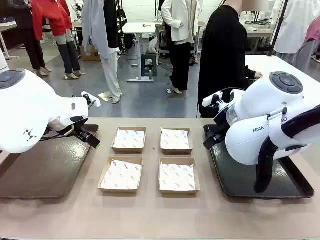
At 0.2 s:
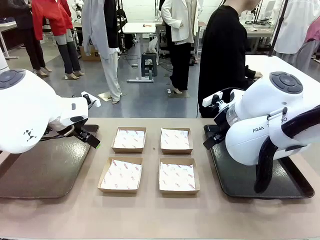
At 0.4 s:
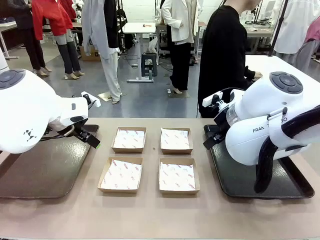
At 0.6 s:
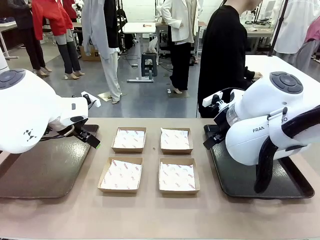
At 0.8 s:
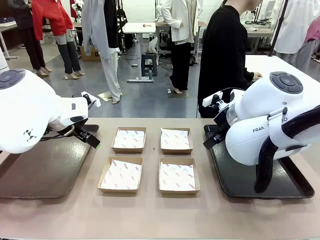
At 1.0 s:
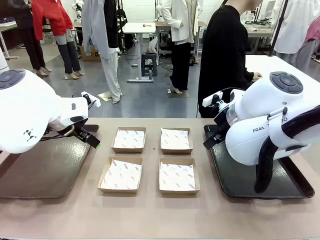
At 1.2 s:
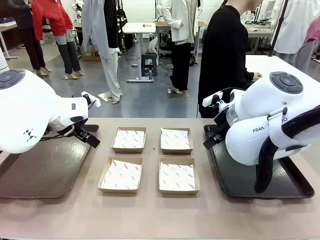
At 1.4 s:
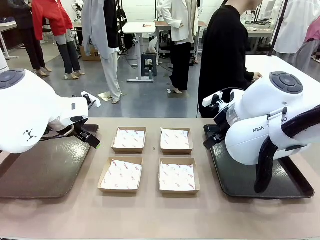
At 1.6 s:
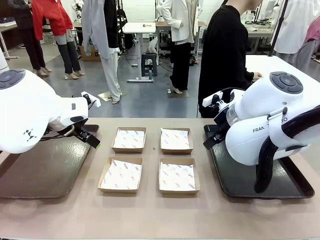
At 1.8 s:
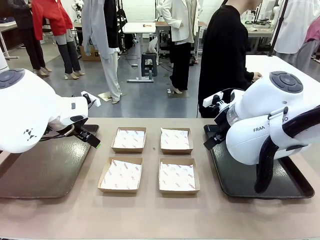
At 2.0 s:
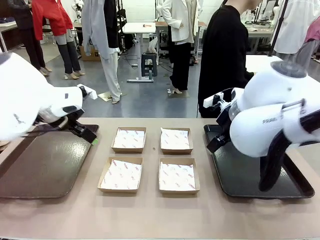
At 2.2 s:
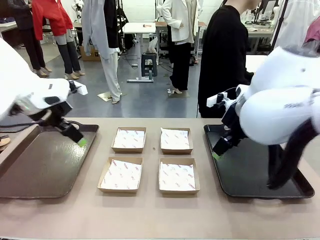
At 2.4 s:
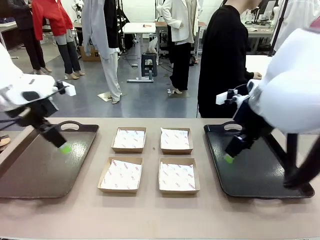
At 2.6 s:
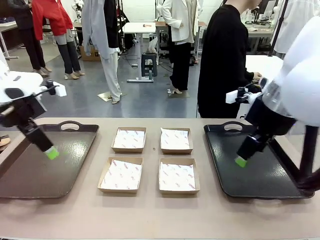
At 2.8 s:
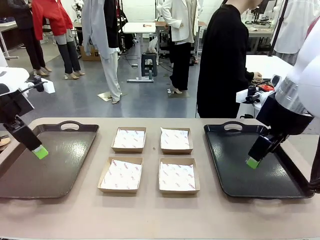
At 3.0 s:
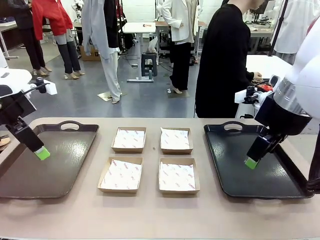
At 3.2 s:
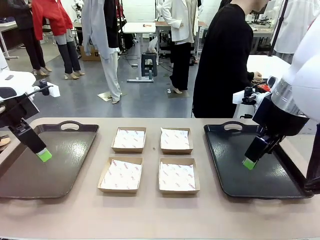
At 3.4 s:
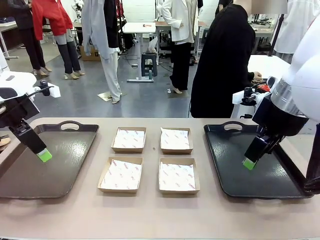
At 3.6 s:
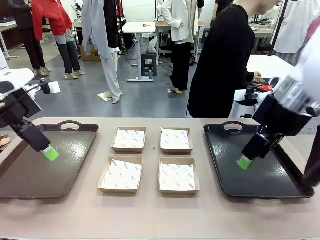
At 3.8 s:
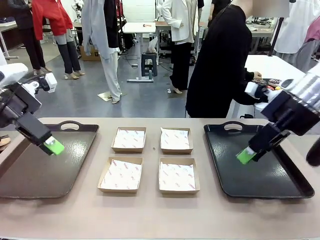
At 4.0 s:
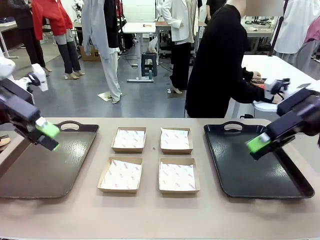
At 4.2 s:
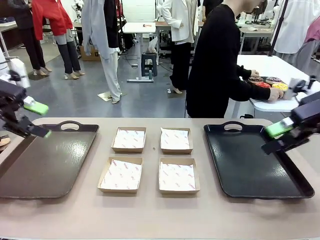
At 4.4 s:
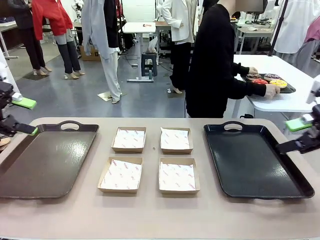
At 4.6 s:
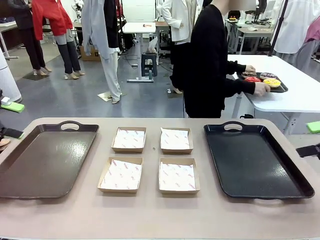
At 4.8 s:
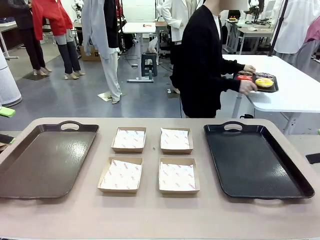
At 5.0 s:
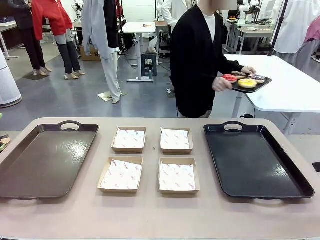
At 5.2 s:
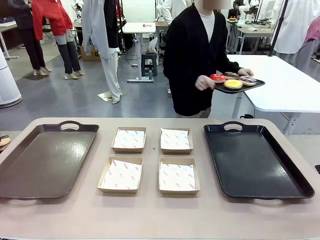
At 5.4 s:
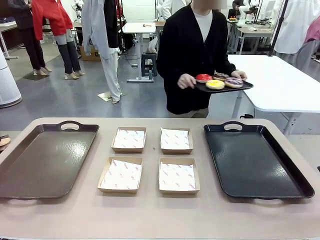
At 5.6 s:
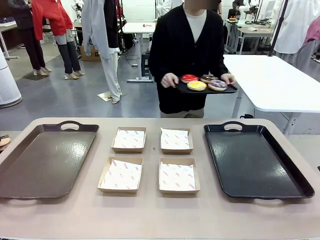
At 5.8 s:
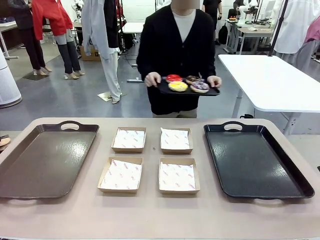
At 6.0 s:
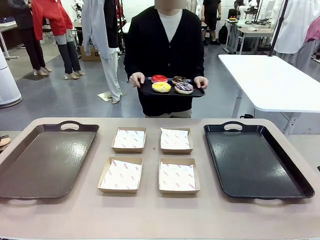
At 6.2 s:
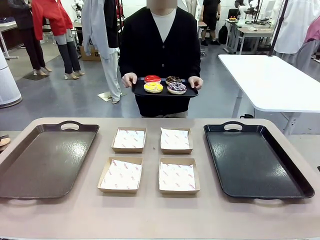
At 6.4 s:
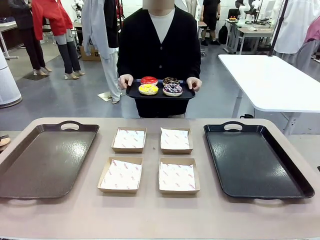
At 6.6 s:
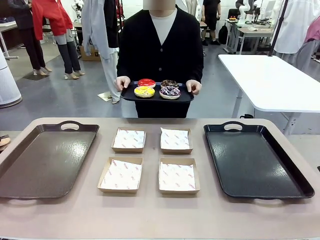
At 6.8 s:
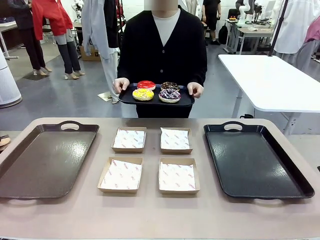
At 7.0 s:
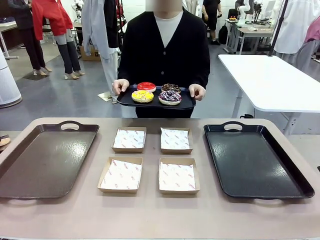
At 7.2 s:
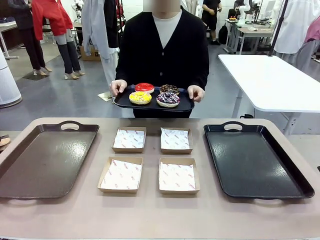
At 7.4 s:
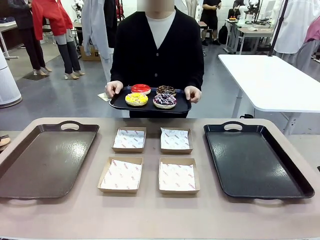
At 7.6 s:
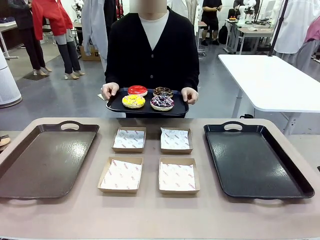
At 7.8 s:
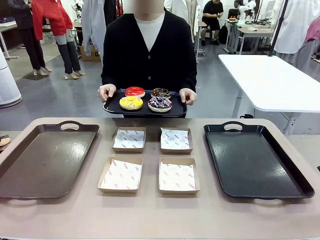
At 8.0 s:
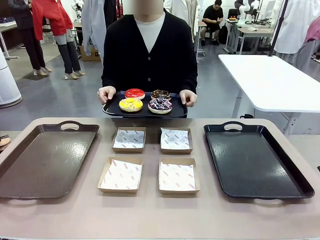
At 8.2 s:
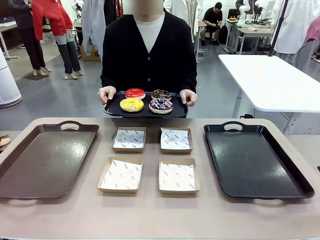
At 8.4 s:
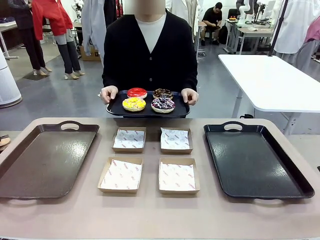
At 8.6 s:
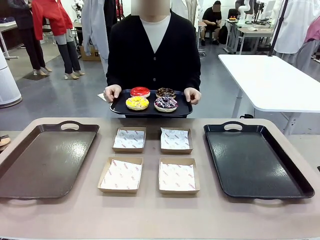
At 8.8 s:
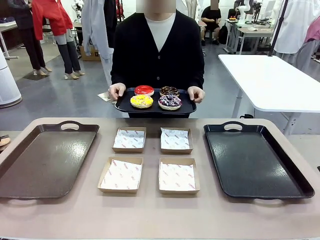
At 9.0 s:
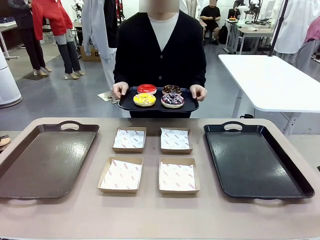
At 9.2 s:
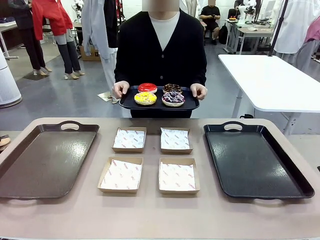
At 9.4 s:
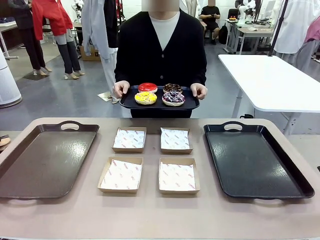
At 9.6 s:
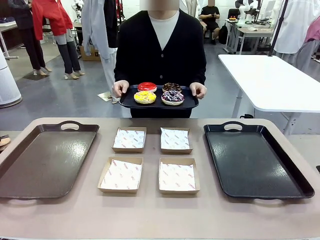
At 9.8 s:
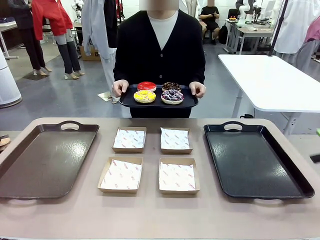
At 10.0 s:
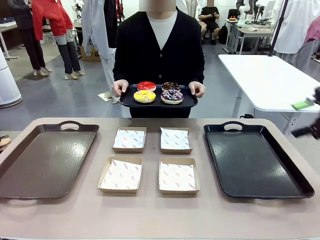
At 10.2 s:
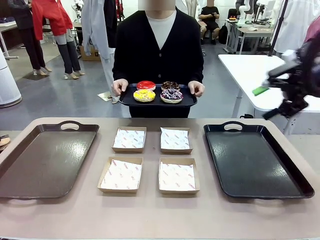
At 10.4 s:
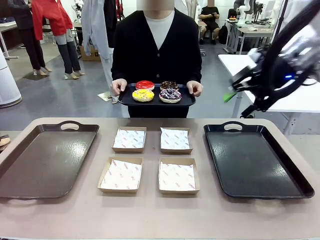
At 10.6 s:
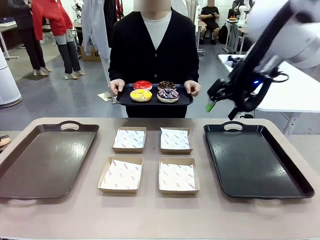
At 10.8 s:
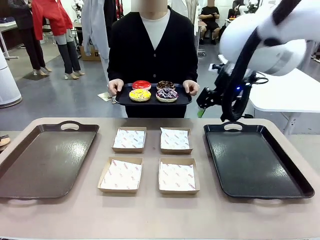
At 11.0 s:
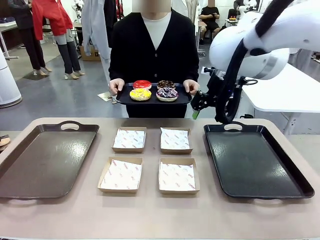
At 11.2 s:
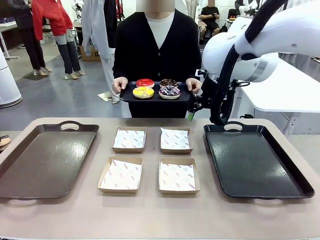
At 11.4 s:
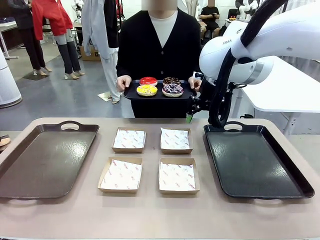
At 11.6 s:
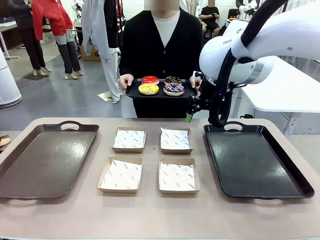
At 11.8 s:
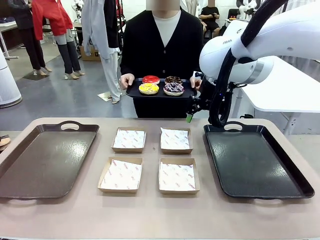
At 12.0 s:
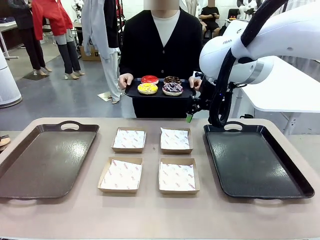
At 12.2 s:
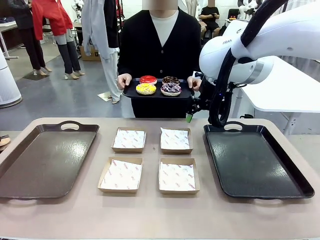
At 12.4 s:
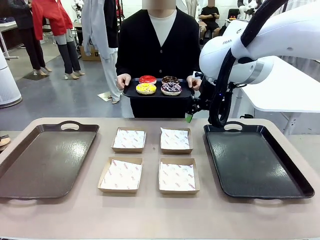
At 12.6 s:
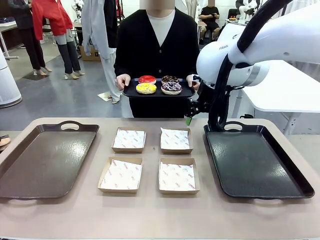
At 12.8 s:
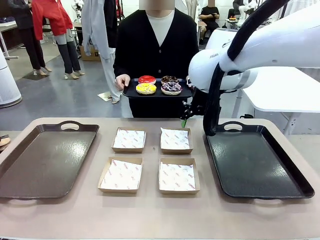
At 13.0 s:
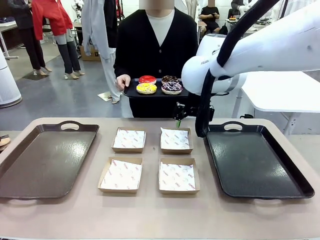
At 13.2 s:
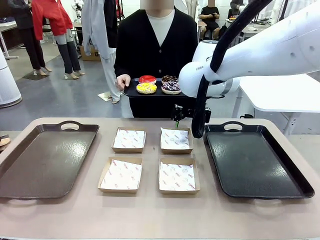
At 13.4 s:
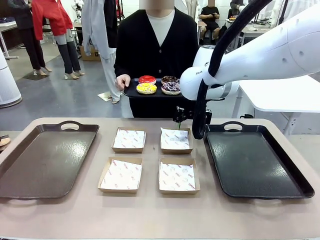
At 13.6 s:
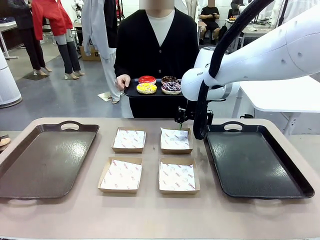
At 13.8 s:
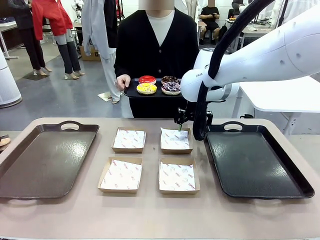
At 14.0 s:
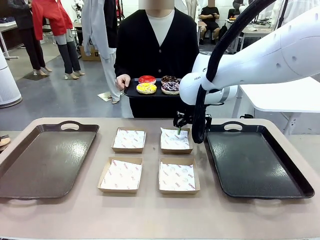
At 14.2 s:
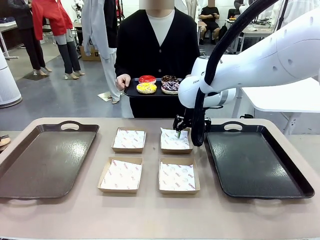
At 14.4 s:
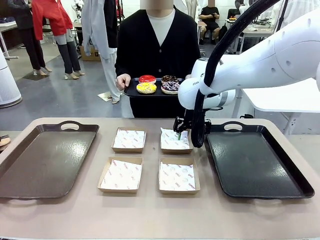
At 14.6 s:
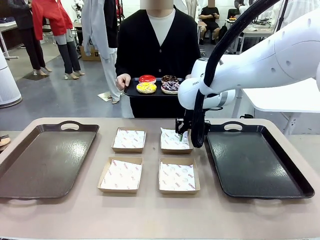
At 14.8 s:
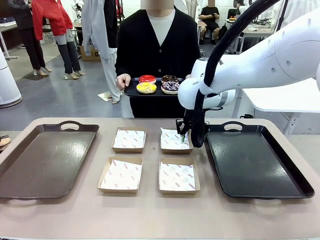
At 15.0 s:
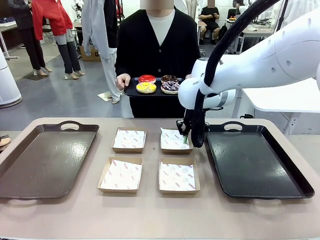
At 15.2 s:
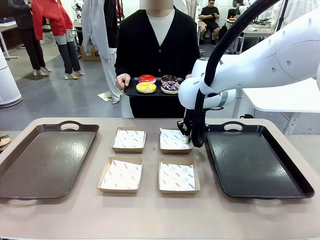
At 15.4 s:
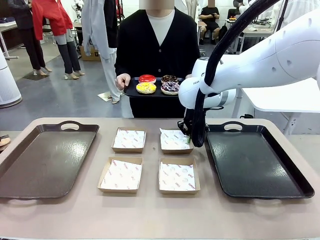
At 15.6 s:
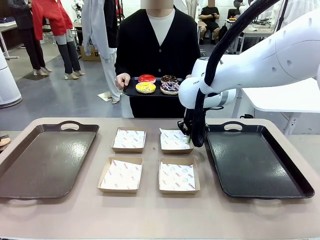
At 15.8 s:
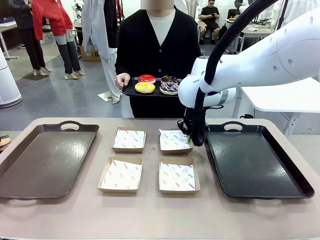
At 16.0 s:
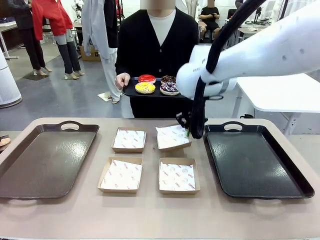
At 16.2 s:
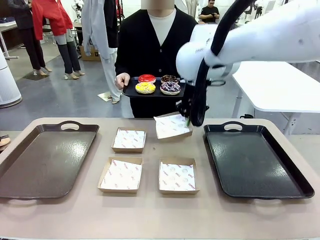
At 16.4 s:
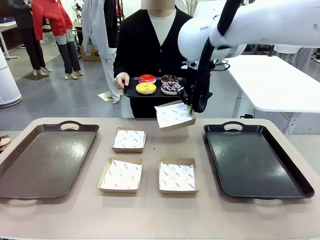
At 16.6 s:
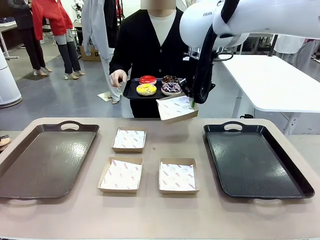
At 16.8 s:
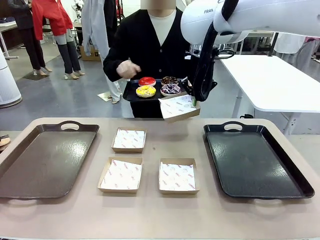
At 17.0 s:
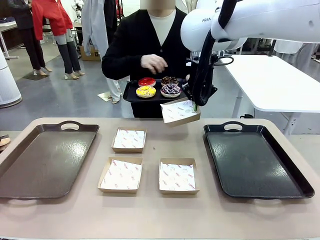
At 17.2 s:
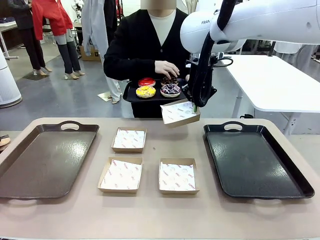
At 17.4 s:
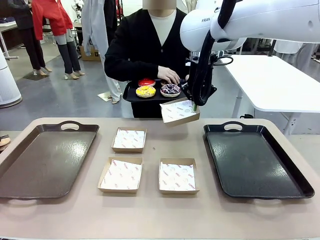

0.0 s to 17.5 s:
Task: Individually package the donuts and arrange them on the tray.
Robot: Pick up one Paper togo box.
Person: Stand in front of the robot table holding the tray containing the donuts.
